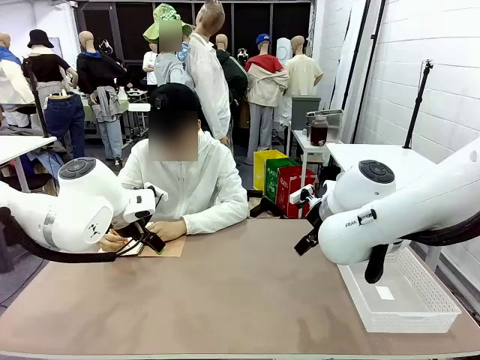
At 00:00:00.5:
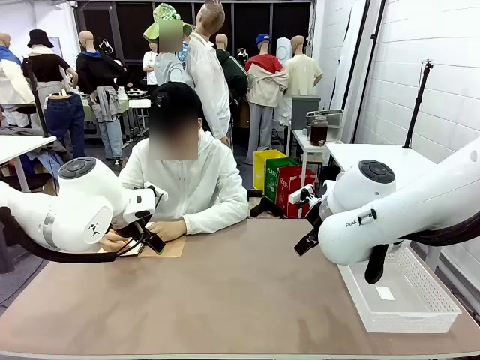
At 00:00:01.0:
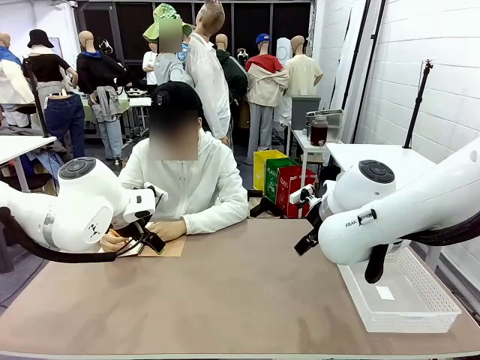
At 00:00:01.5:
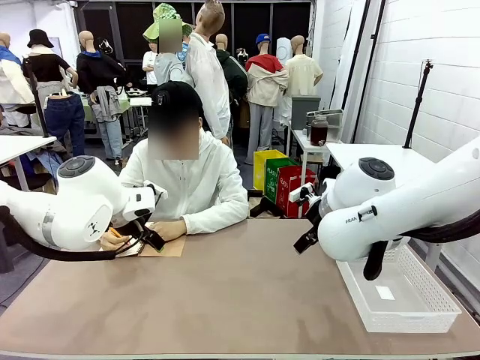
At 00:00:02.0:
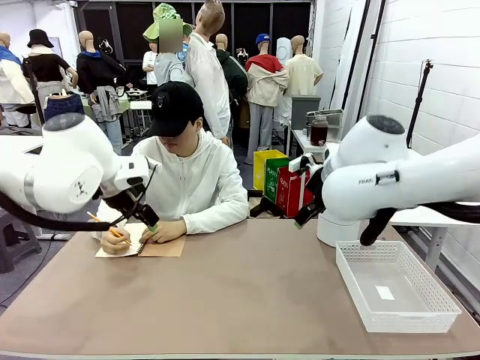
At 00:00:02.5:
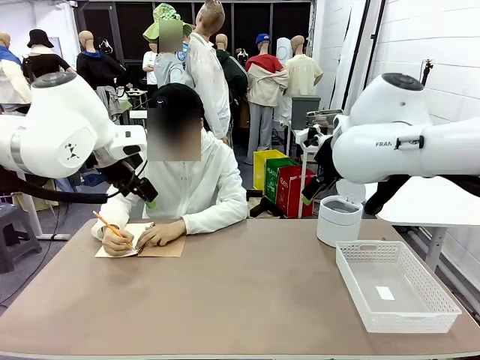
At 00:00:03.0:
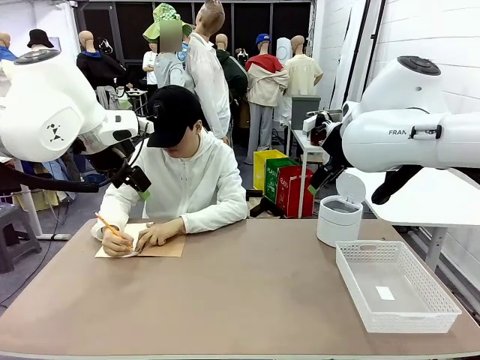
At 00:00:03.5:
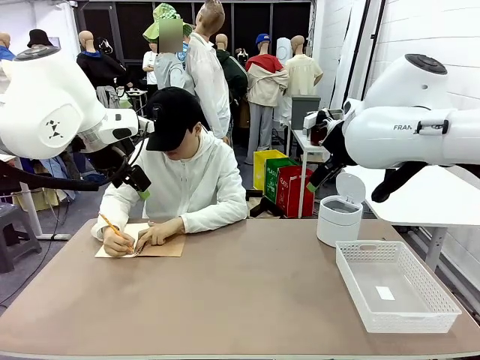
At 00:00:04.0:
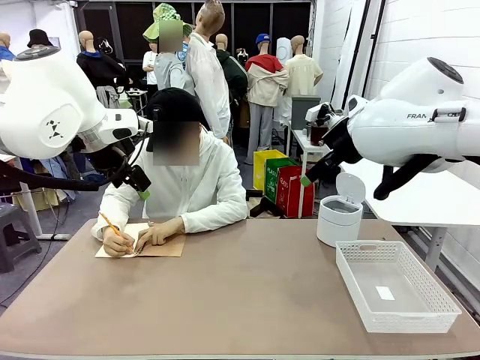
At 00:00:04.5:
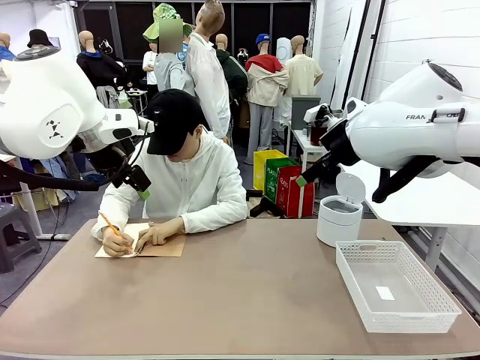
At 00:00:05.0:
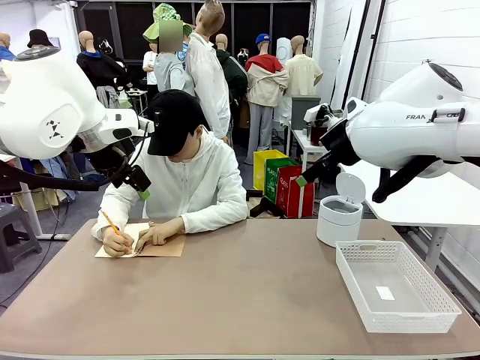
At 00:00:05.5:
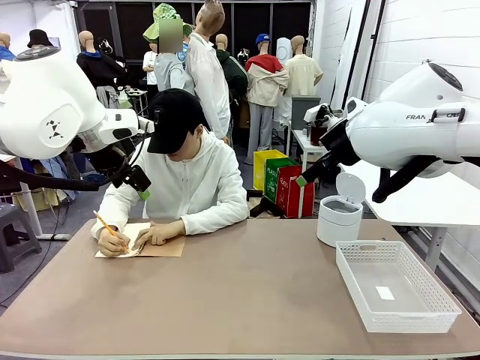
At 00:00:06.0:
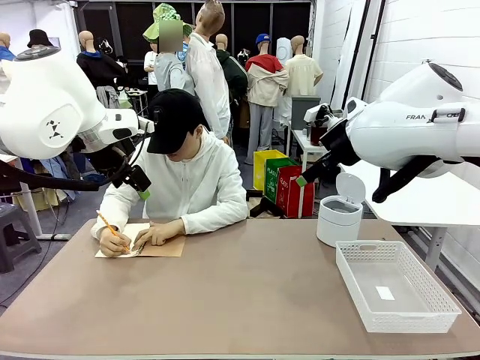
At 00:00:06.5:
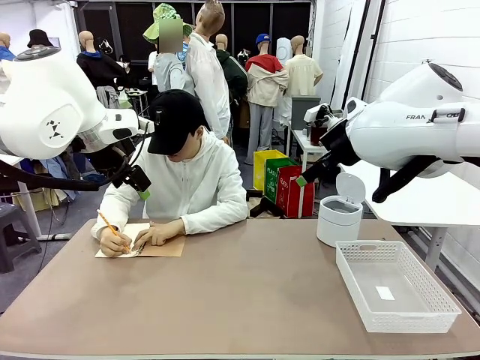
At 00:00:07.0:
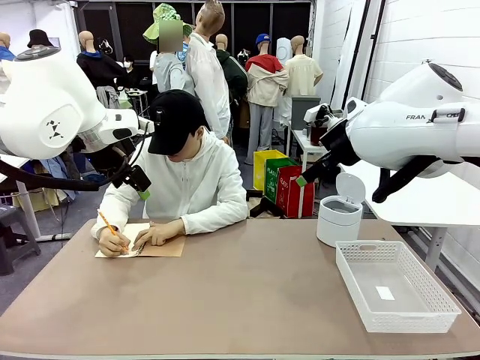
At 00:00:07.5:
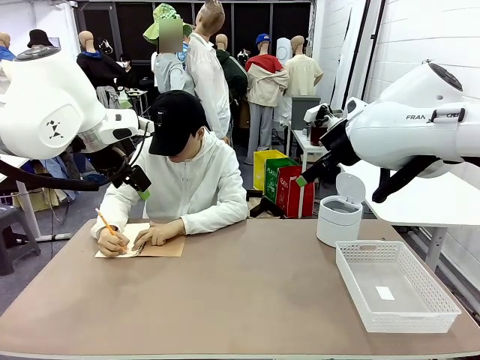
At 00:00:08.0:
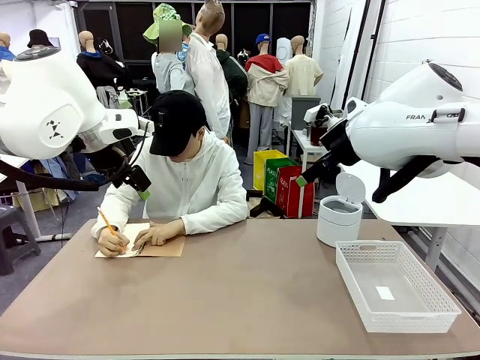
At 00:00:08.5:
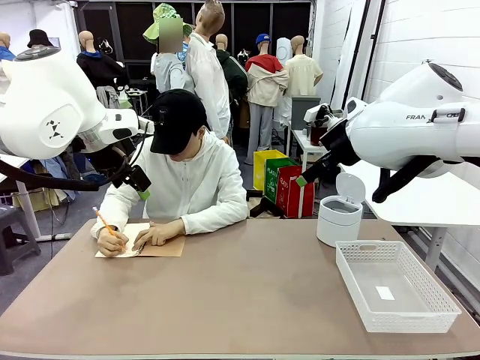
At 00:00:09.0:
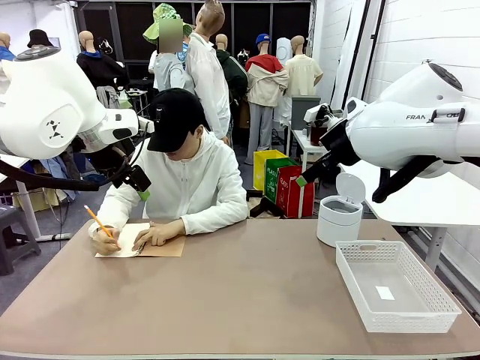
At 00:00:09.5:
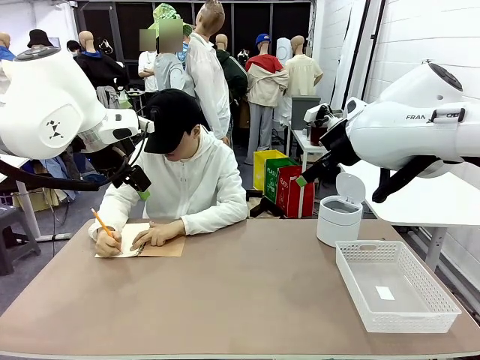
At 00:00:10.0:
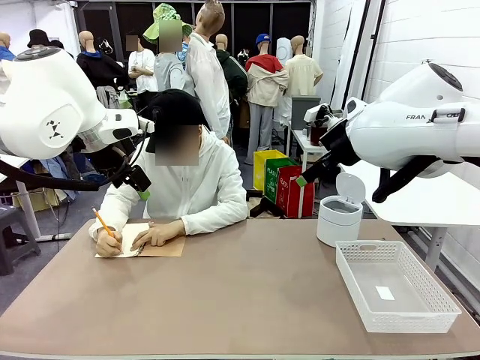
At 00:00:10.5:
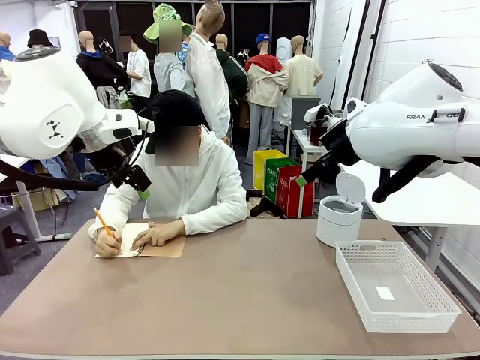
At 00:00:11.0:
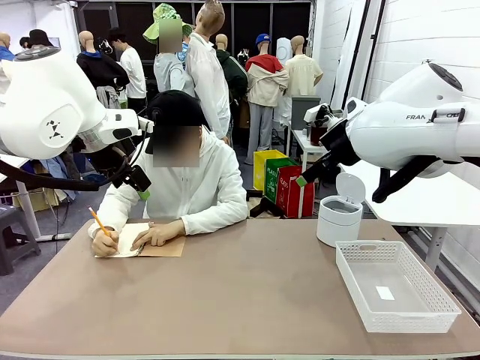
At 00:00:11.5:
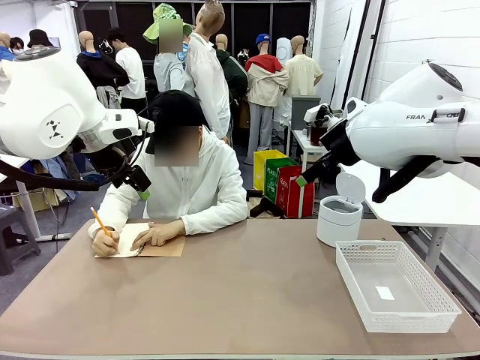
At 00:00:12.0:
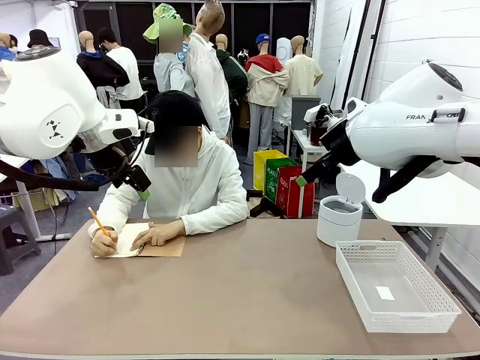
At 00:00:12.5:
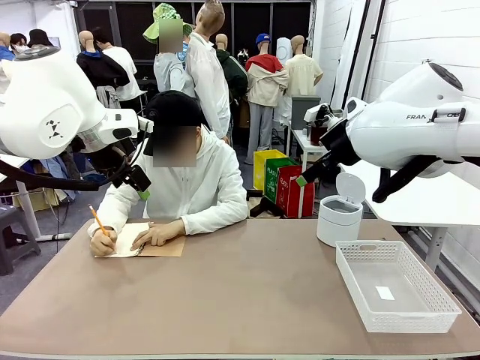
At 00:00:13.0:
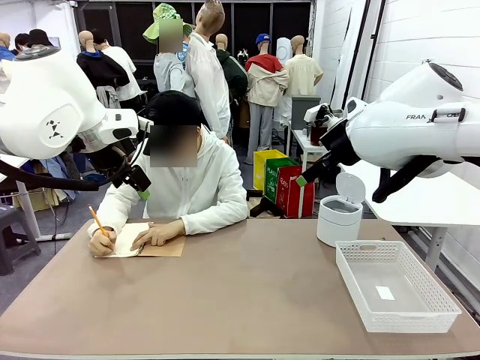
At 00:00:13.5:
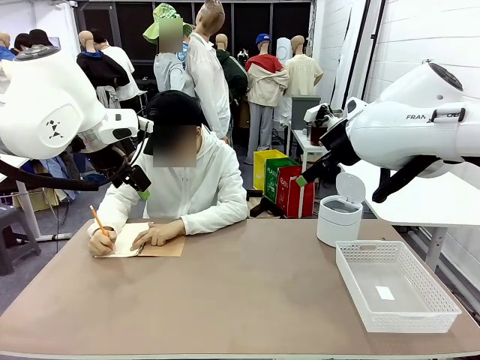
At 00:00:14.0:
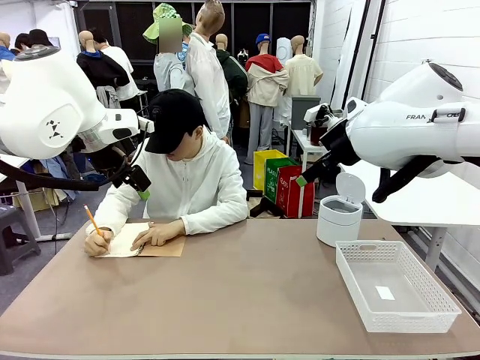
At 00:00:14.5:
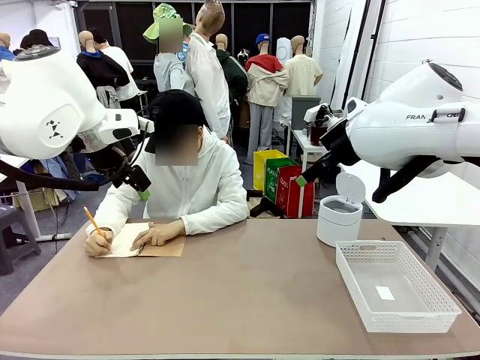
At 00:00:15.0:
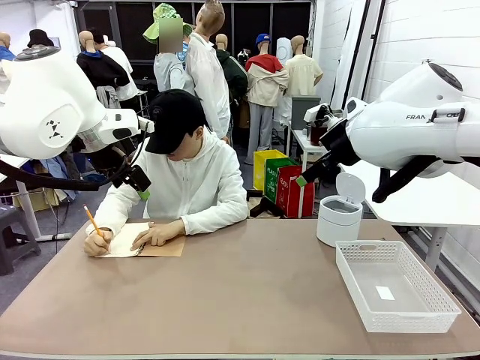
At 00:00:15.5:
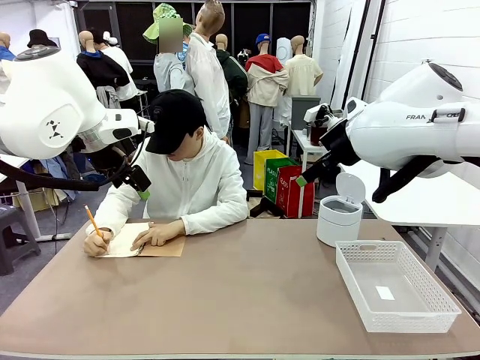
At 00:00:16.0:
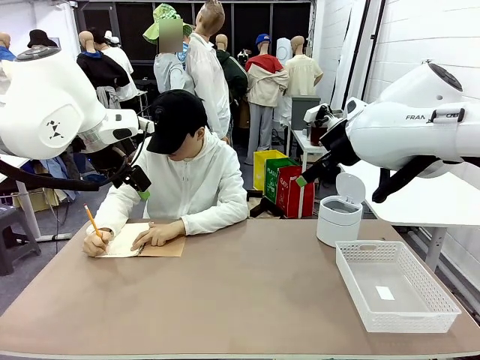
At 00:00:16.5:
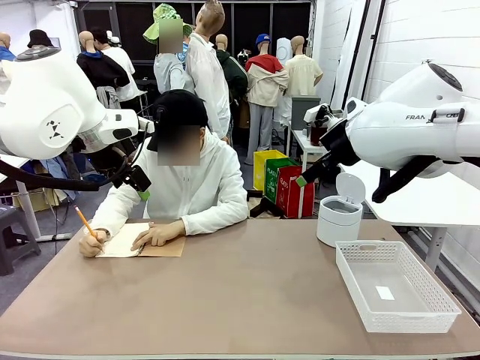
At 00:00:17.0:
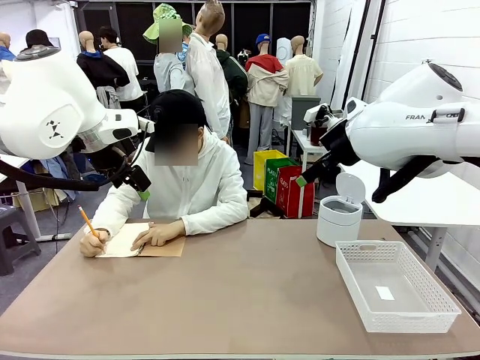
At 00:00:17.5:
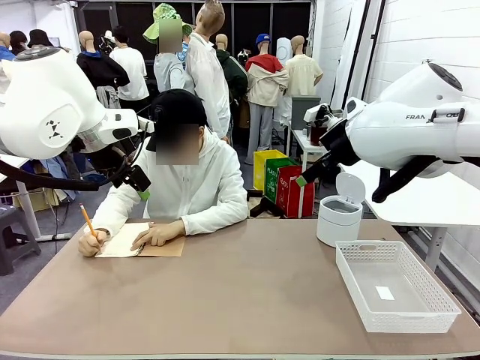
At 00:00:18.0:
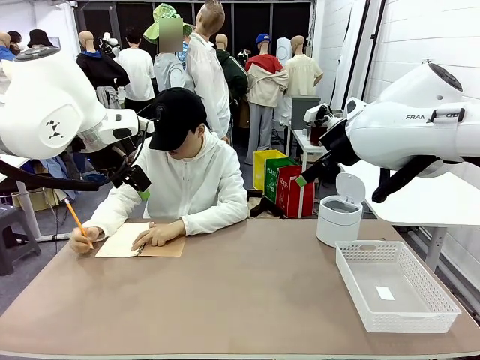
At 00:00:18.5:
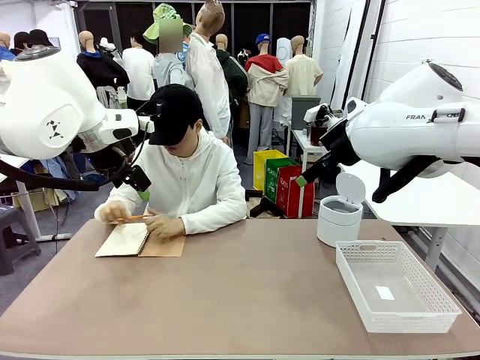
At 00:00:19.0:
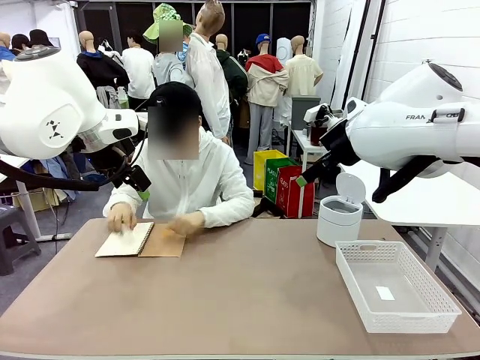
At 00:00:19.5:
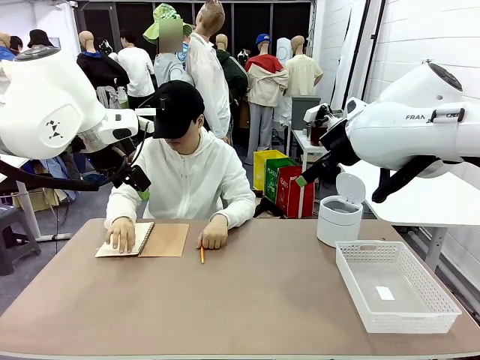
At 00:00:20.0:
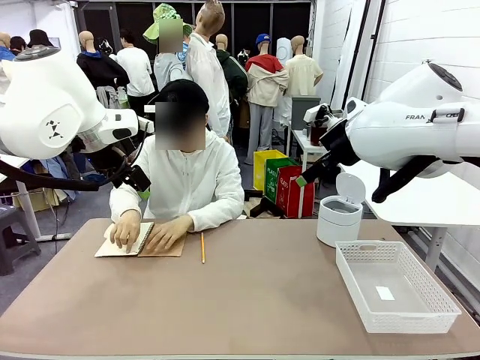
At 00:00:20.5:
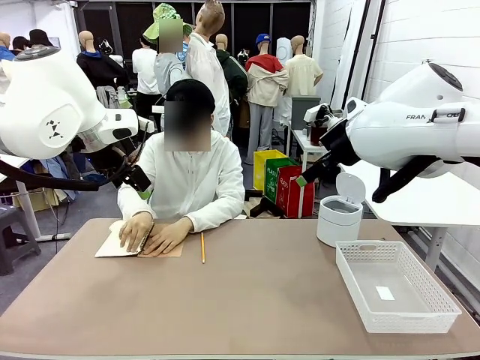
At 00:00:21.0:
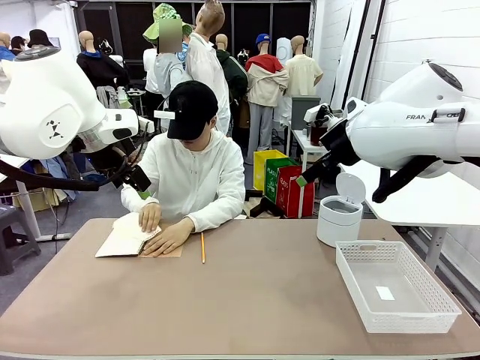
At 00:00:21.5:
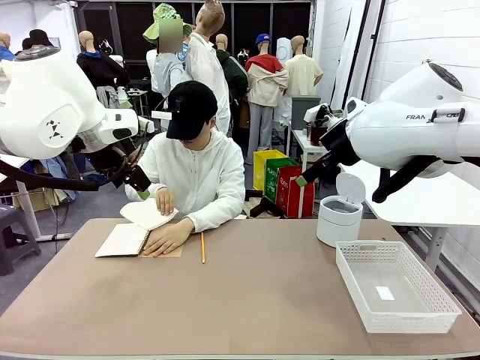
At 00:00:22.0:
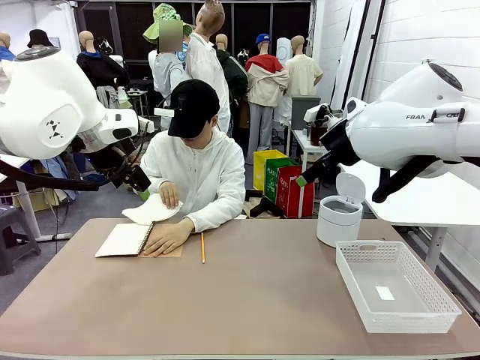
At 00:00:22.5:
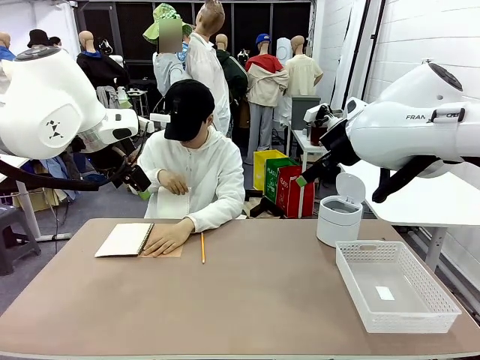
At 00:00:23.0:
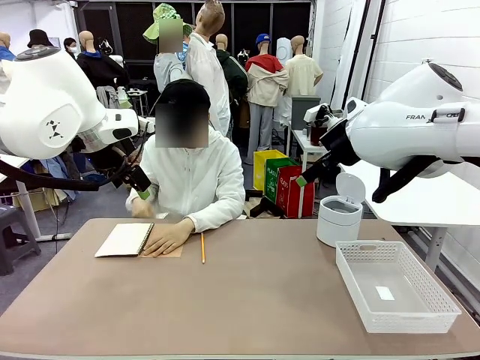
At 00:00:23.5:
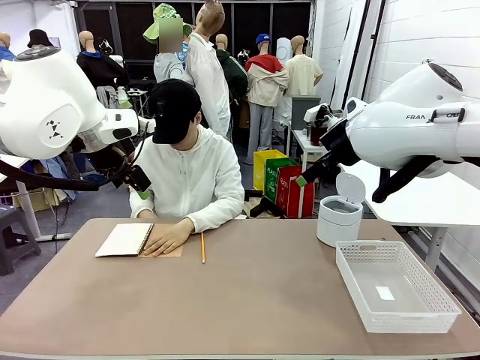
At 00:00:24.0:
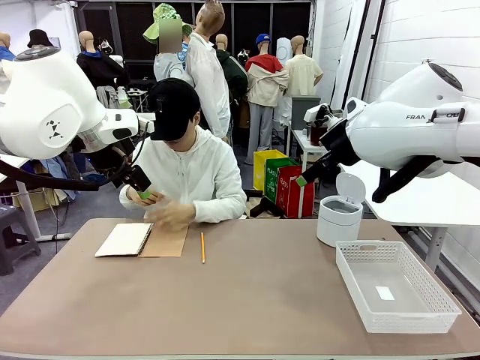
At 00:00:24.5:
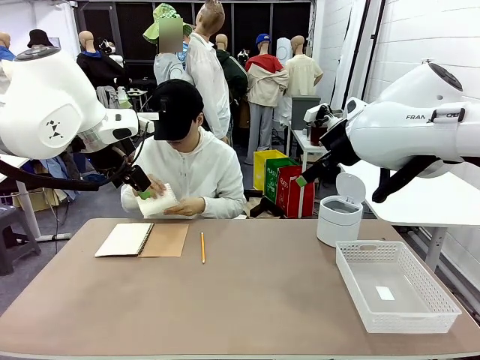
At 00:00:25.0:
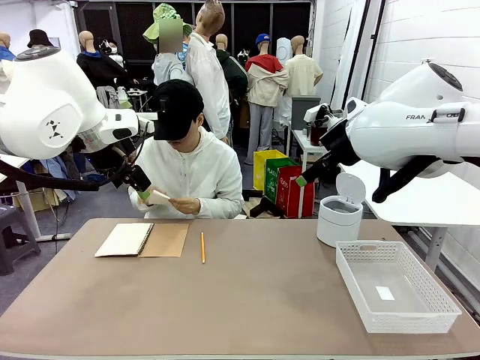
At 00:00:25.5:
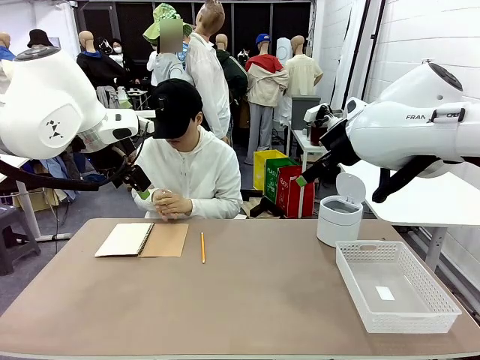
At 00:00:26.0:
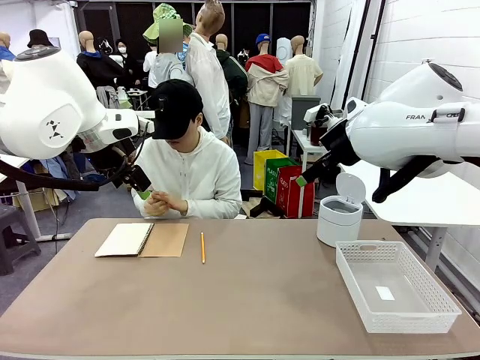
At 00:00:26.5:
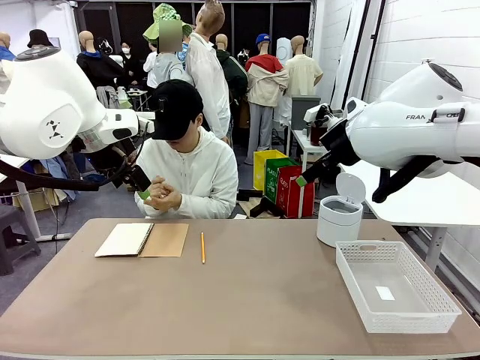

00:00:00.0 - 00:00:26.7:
Task: Sort the paper based on its condition.
Robot: If a person hands you a paper, place it in the Organizing basket , and if it's crumpled, put it in the Trash can.
Person: Tear out a page from the spiral notebook. Hand the torn page to the robot or crumple it and throw it to the center of the table.
